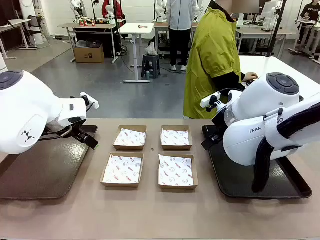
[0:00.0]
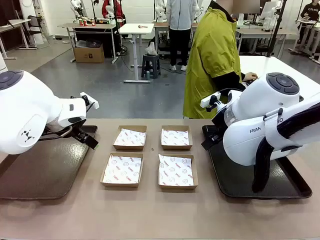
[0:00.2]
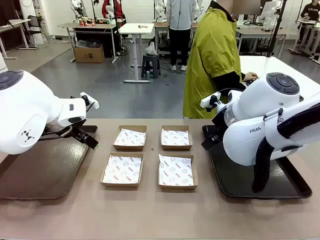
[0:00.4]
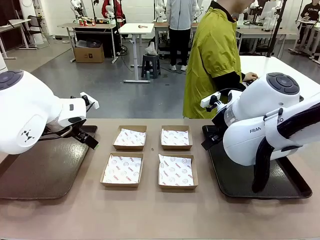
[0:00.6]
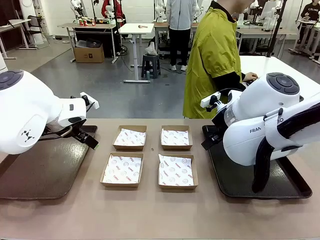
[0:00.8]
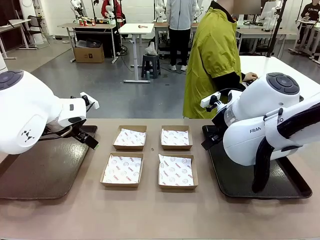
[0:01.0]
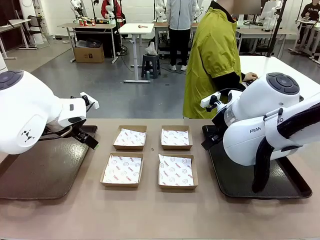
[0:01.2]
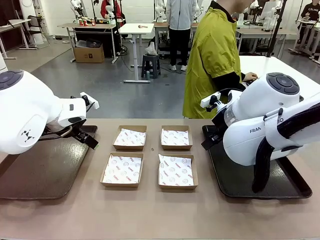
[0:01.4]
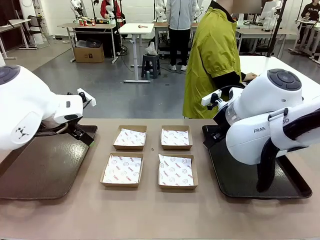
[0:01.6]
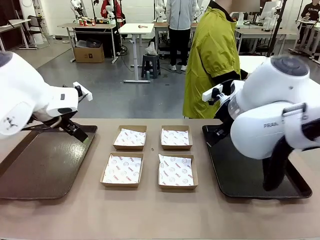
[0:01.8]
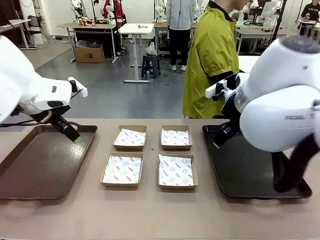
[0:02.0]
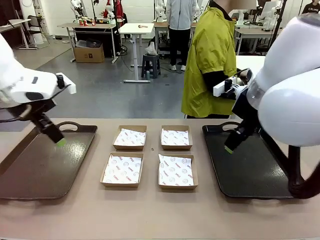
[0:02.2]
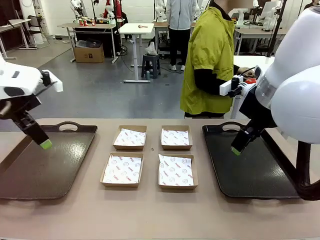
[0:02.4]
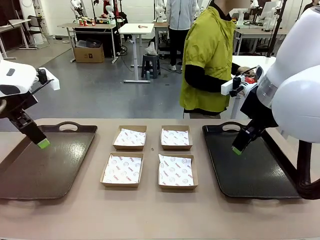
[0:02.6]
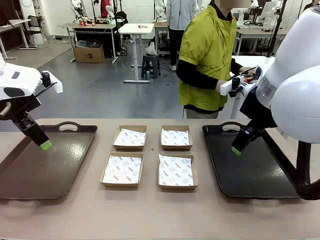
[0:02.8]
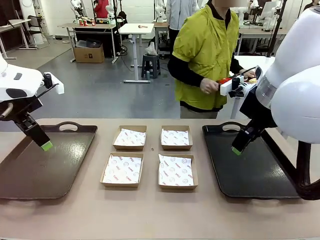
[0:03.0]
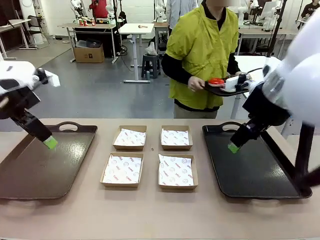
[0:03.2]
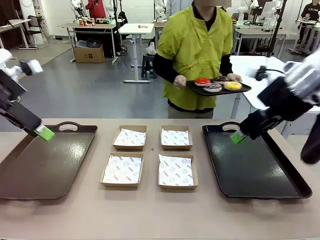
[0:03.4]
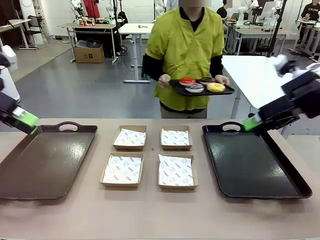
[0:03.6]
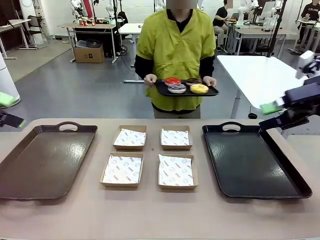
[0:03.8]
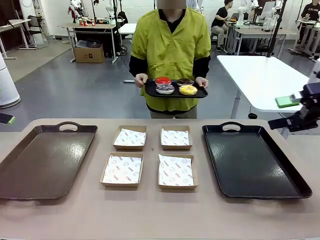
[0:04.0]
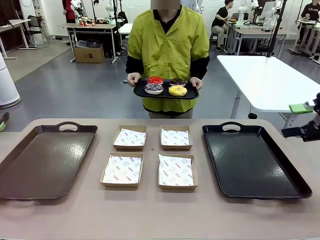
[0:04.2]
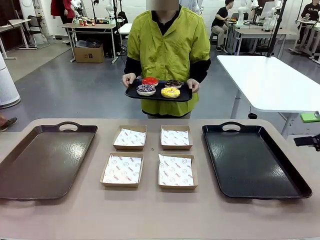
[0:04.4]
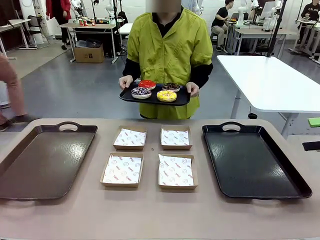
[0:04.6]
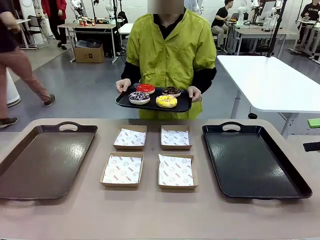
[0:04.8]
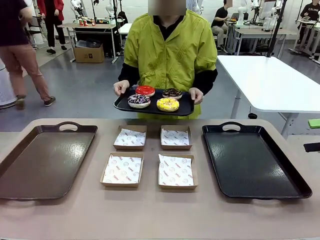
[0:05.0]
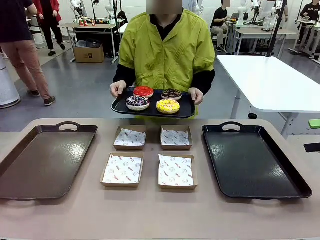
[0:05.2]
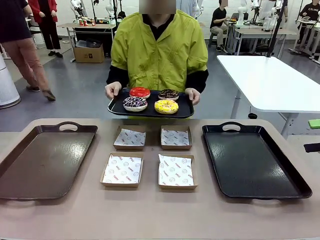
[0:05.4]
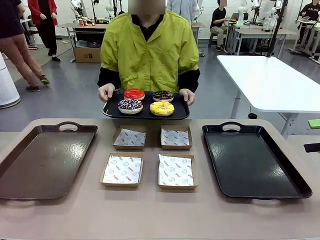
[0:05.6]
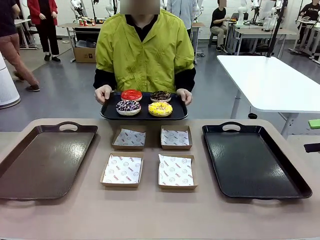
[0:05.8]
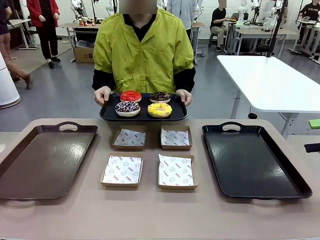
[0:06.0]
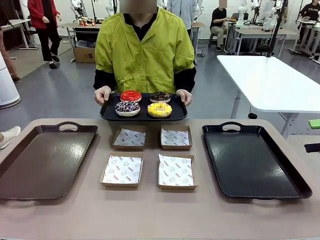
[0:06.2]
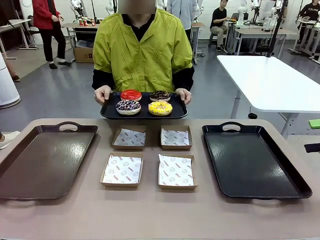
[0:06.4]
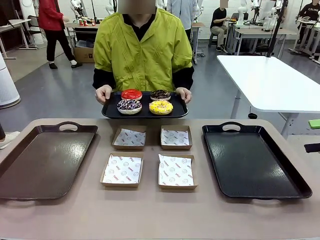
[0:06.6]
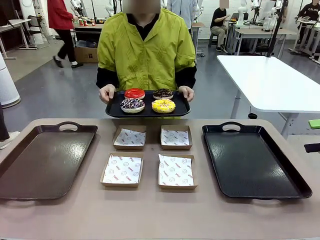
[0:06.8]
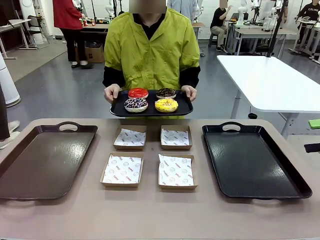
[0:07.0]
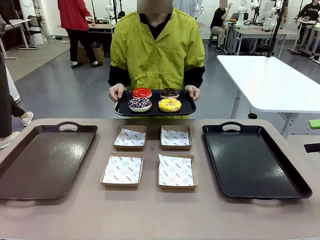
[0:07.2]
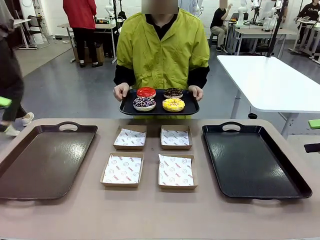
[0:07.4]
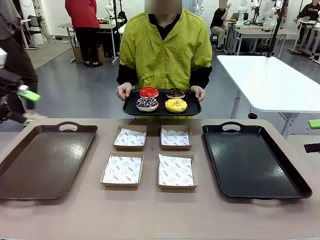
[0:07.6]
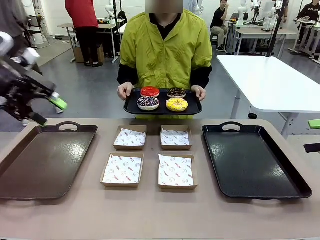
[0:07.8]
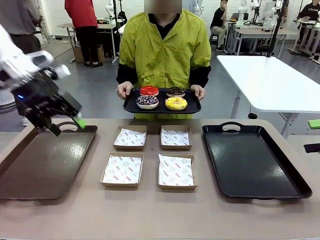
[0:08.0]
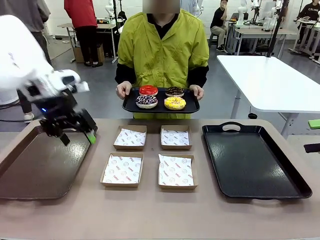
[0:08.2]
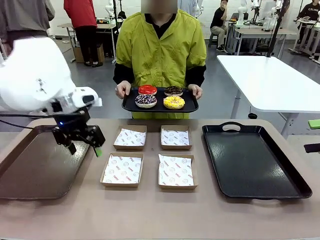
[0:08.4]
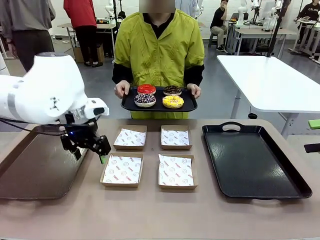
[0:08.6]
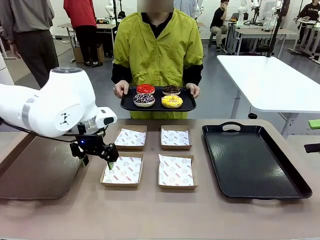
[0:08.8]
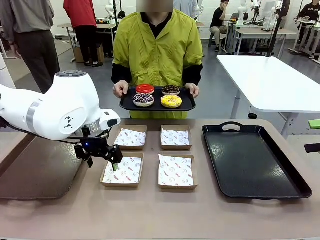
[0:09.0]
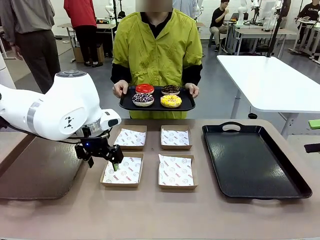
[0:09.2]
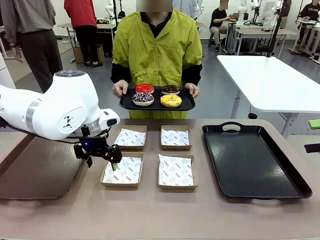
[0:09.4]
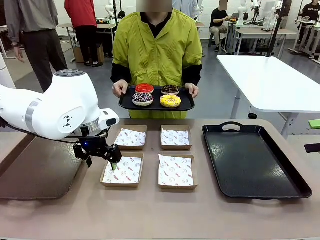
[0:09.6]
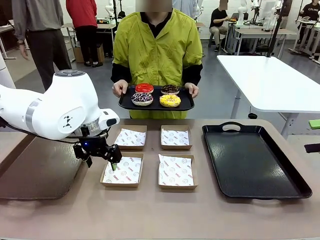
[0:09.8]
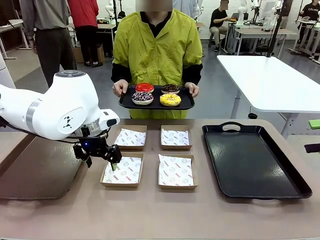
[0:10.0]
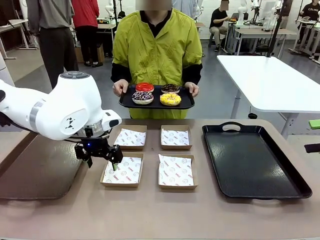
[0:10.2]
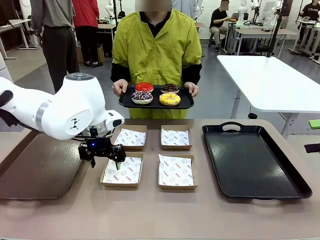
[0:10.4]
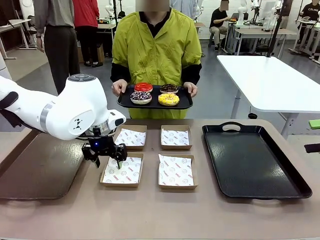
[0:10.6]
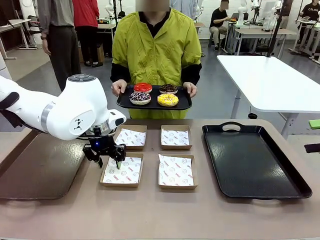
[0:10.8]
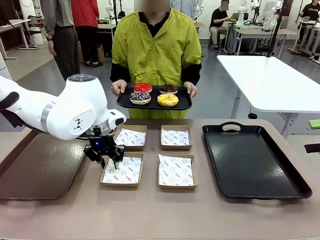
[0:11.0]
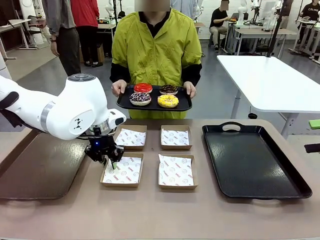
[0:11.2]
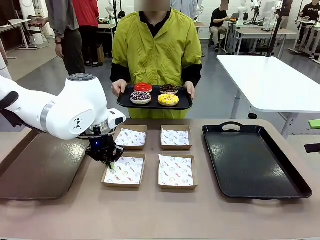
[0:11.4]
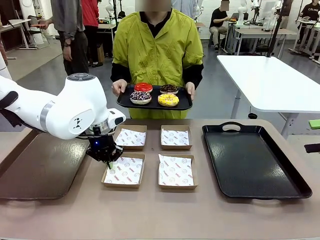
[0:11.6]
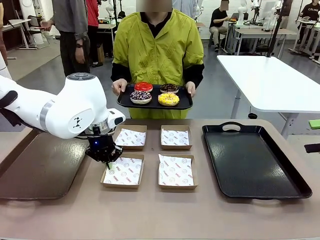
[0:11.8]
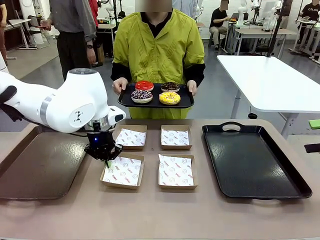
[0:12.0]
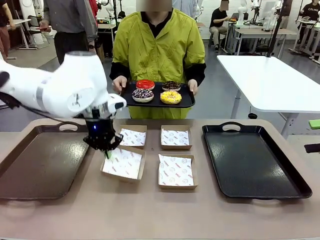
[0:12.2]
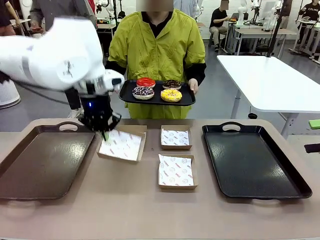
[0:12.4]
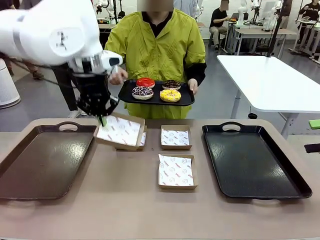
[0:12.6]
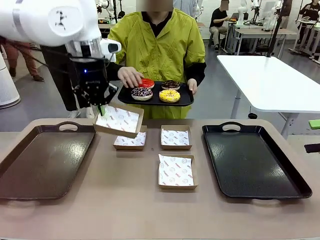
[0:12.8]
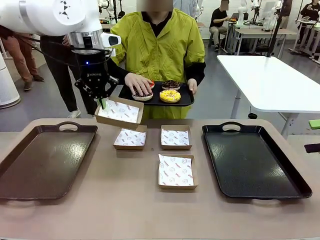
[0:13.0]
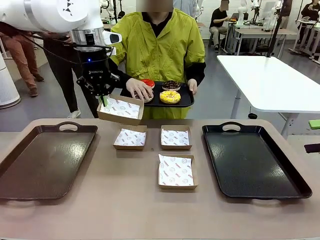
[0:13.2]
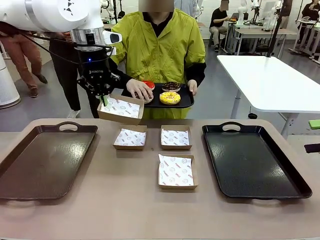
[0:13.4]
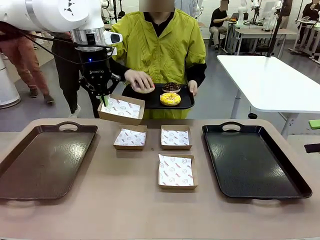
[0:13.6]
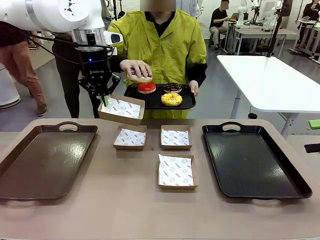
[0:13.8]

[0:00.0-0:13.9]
Task: Individually package the donuts and arrange them on the tray.
Robot: Pick up one Paper togo box.
Person: Stand in front of the robot table holding the tray containing the donuts.
